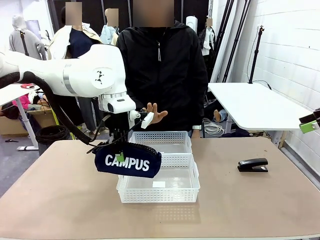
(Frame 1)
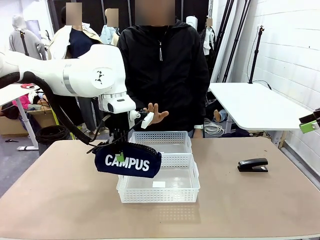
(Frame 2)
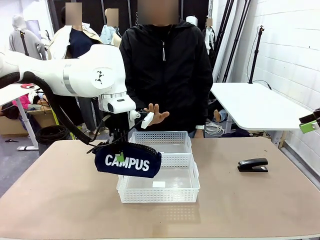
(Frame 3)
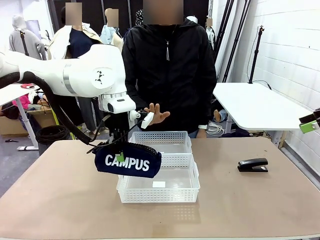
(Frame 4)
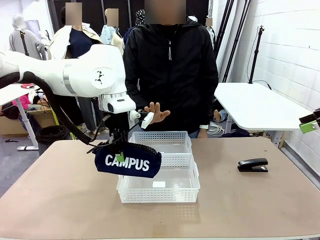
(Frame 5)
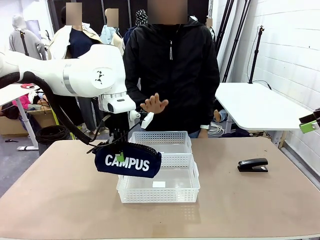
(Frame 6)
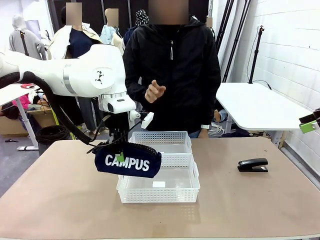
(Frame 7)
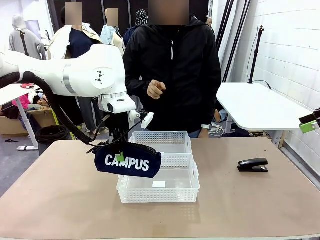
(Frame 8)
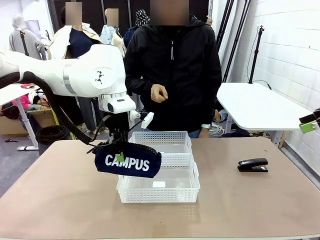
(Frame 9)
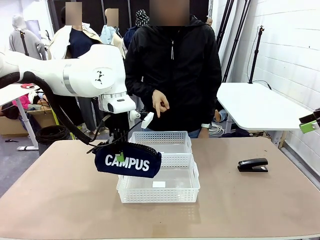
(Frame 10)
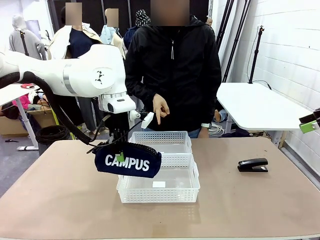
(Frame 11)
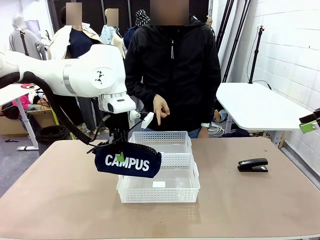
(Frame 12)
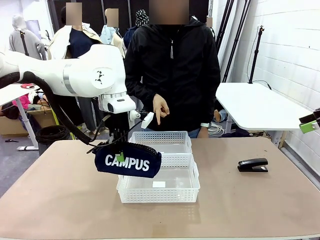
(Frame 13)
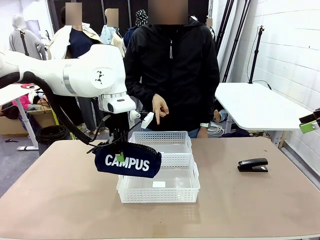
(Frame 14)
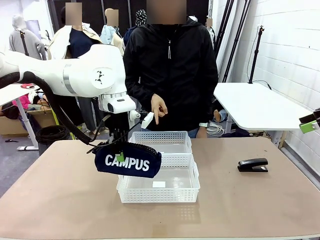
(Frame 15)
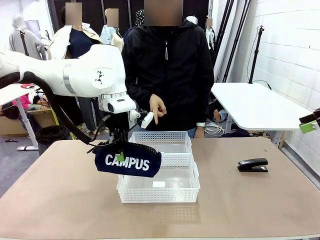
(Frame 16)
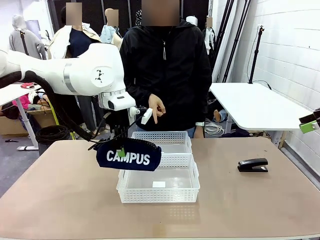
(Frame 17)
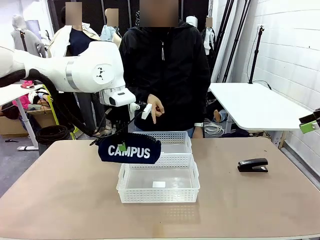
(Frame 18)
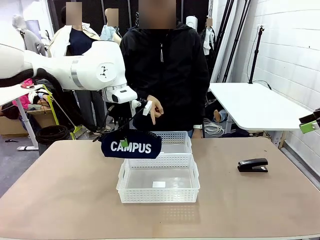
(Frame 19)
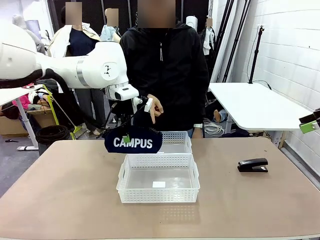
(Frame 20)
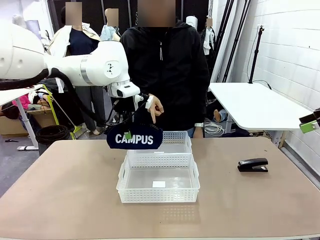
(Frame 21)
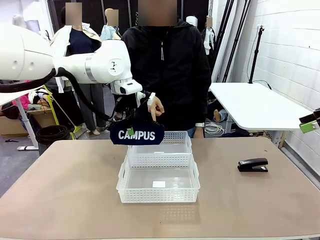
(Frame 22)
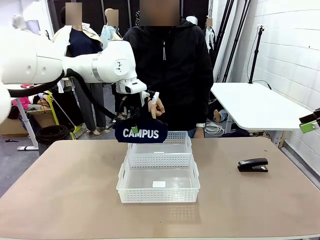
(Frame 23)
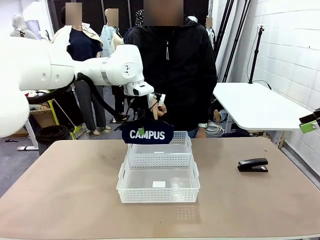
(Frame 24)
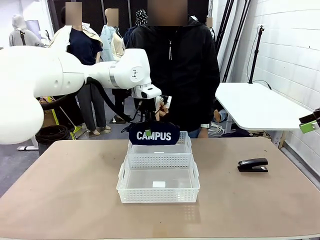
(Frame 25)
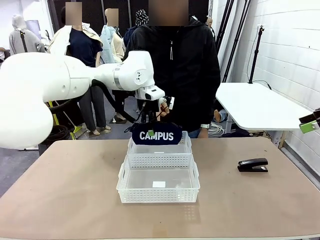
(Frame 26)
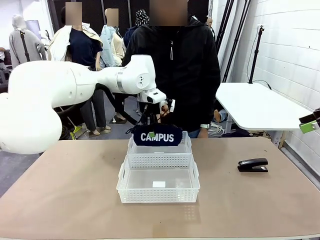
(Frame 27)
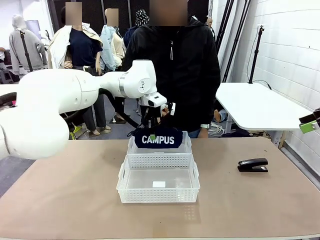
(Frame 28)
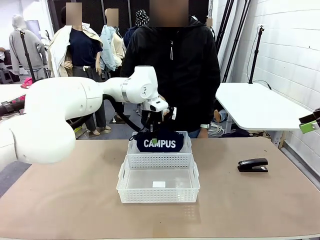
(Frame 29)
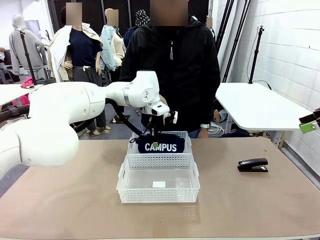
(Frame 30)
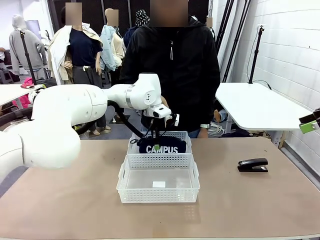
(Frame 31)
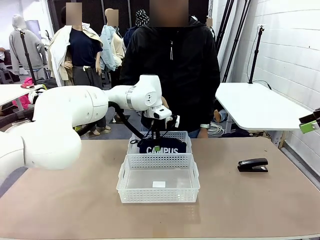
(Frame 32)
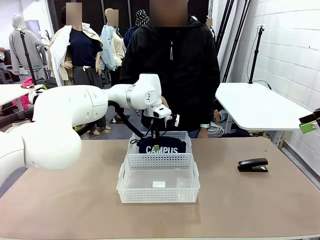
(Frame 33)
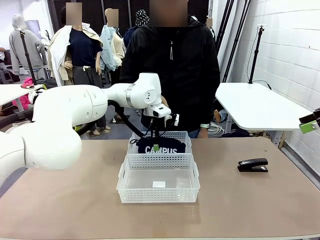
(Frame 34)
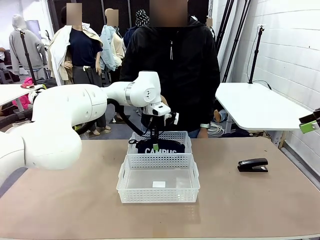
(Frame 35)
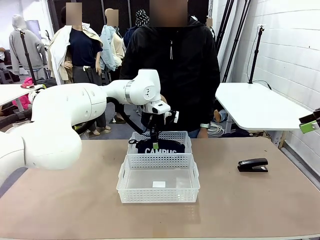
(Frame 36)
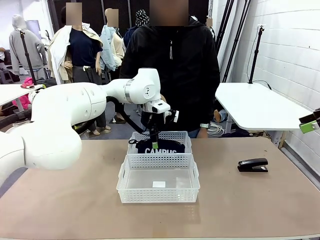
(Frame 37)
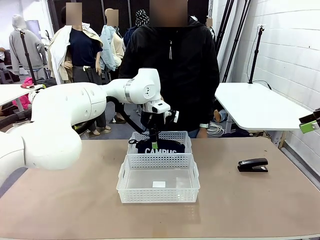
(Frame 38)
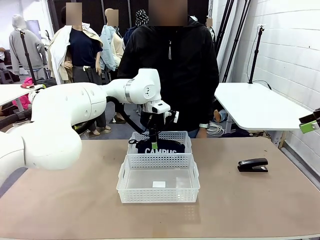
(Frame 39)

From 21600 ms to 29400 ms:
Task: Distribute items into two baskets.
Robot: Place the picked Pencil pouch into the Organizing basket as instructed by the person.
Person: Instructs the robot to place the pencil case into the opposite basket.

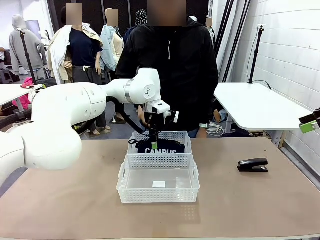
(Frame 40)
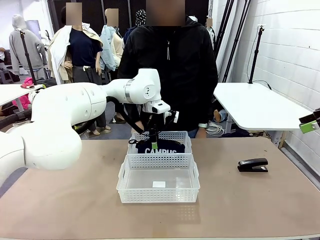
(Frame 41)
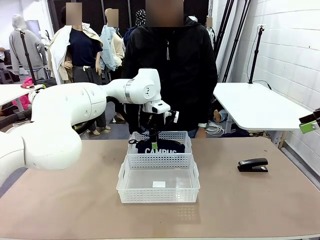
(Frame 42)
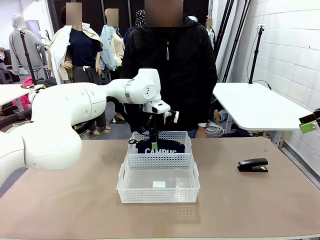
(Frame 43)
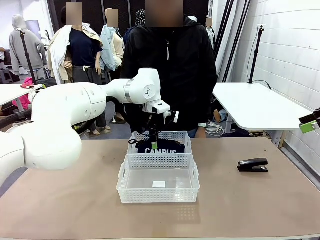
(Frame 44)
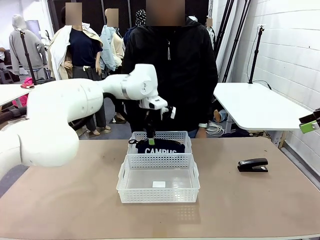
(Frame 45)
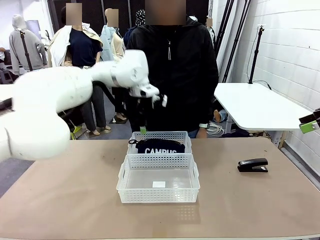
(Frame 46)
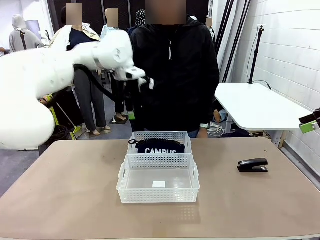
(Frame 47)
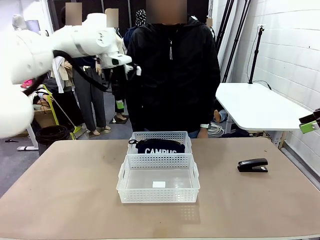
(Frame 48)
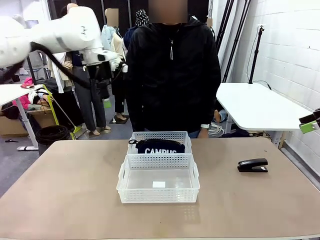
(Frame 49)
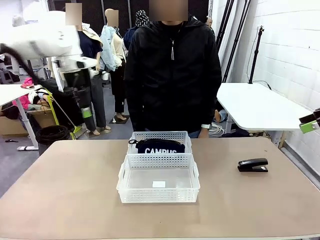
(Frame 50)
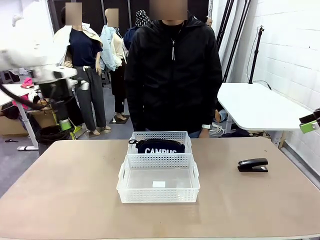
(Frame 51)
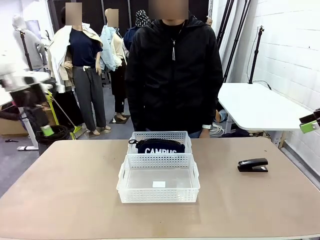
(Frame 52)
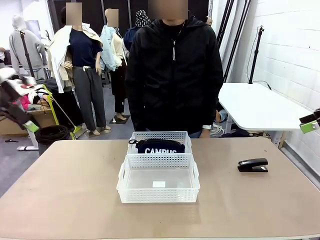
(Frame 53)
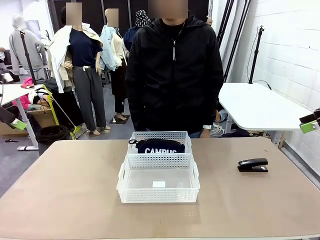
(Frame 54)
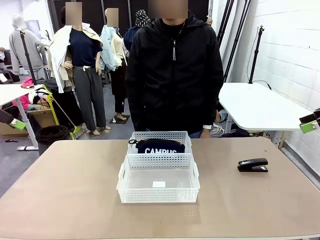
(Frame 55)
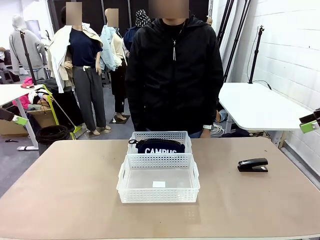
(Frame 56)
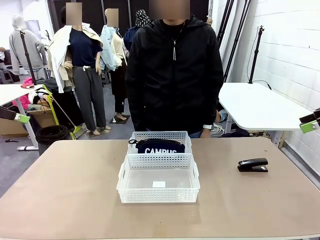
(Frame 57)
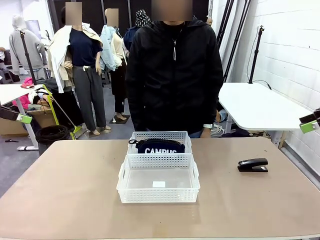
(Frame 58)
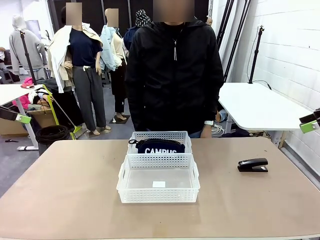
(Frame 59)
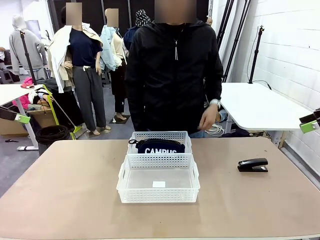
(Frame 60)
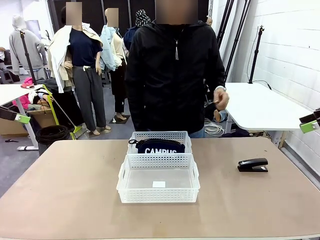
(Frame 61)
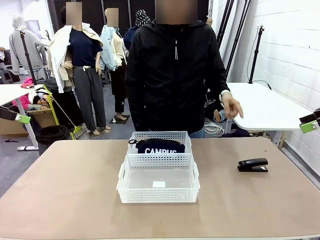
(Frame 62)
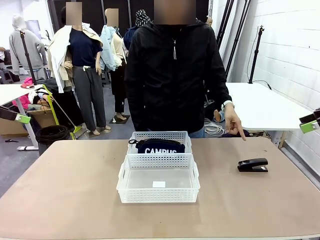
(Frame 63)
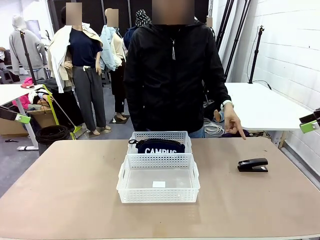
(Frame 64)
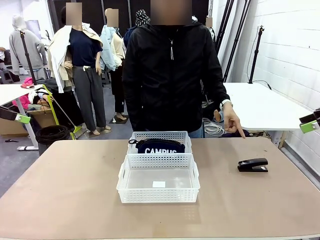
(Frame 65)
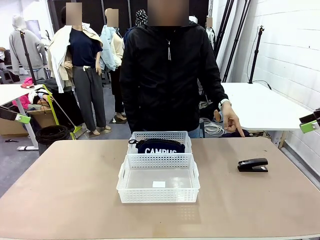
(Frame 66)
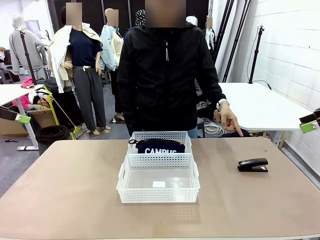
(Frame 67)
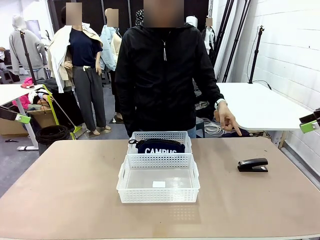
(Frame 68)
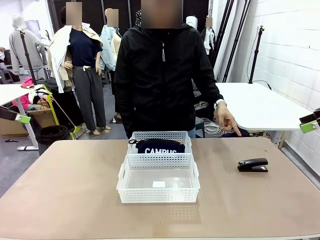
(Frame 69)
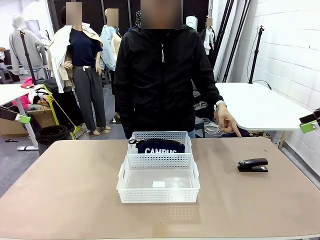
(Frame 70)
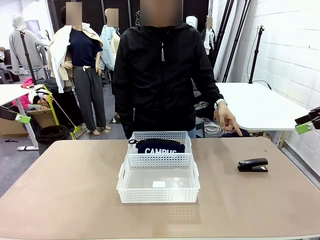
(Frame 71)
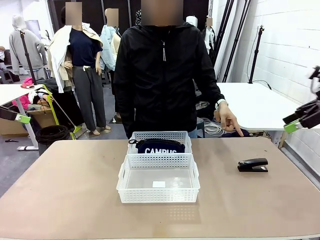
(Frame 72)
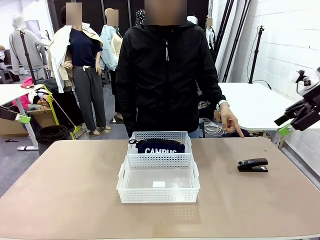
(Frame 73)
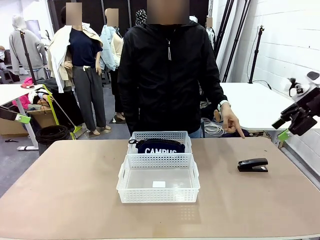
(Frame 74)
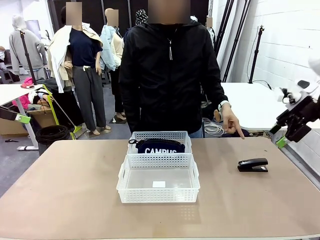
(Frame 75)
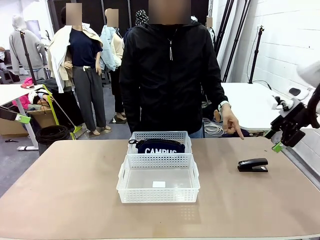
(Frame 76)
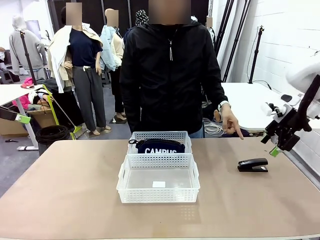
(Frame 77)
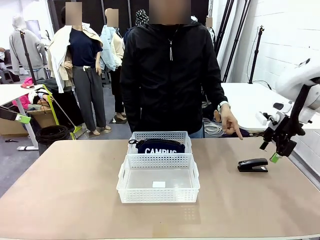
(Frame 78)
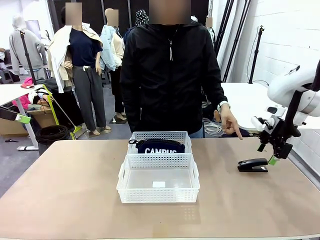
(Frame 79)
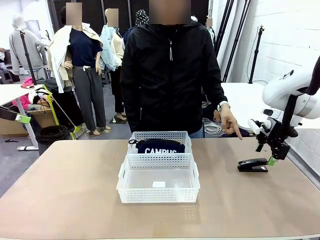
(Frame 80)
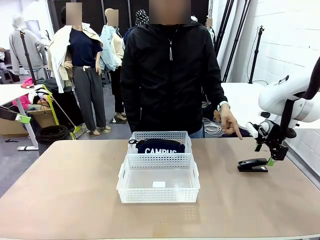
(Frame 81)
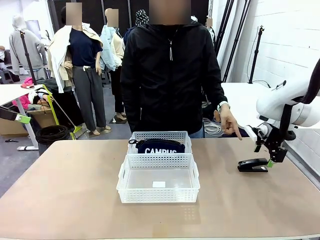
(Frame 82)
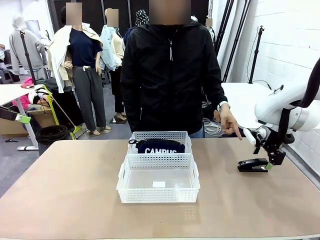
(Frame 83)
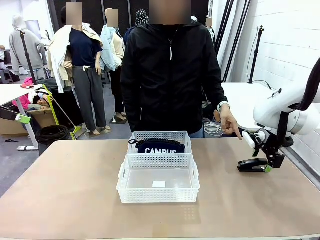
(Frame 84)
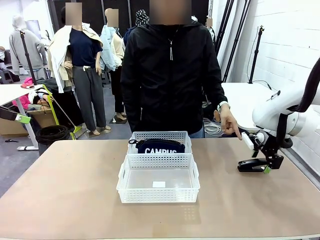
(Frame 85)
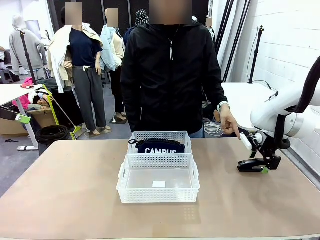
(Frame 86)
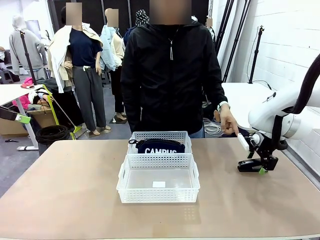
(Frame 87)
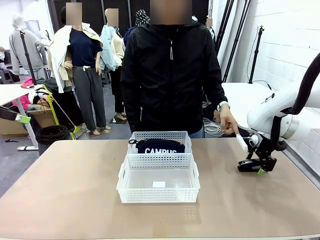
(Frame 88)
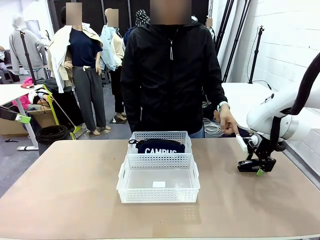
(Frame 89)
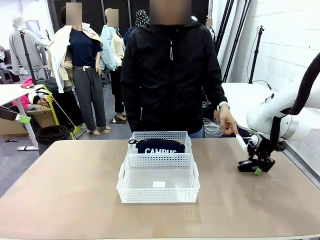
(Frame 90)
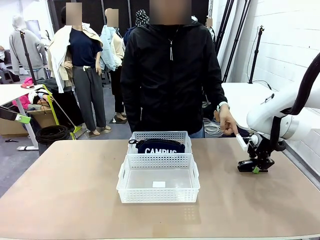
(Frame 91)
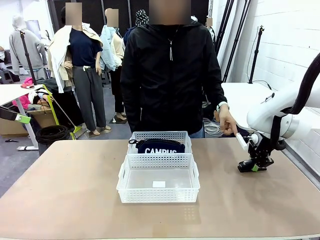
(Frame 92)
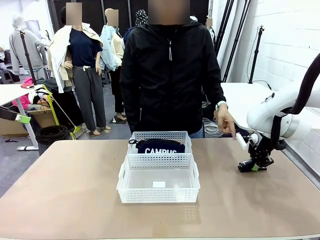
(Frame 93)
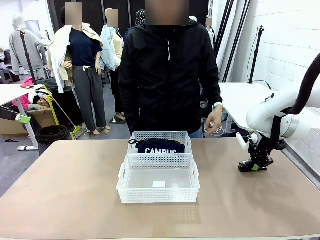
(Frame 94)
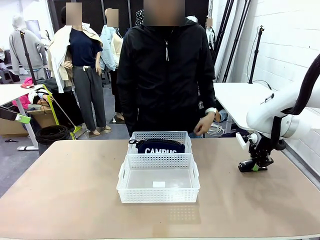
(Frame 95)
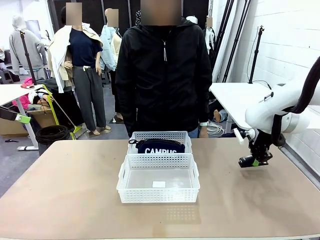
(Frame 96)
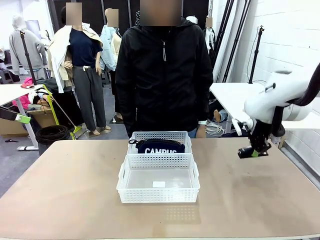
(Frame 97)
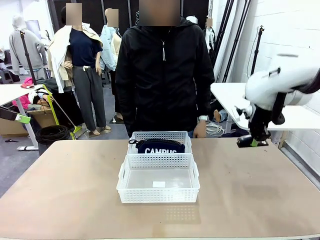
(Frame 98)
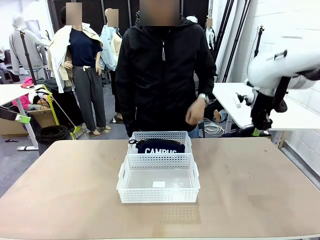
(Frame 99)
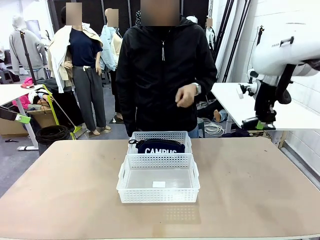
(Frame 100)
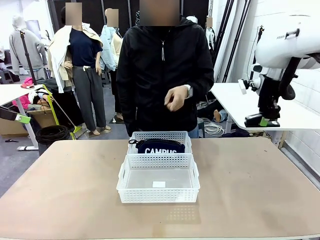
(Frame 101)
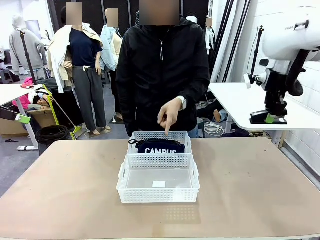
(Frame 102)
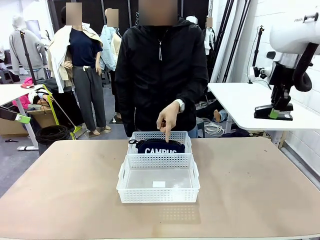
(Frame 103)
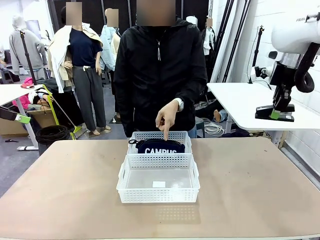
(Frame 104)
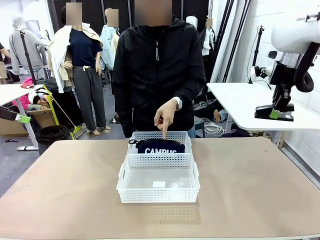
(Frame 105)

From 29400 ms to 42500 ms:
Robot: Pick up the Stapler that the person points to.
Person: Points to the stapler.
